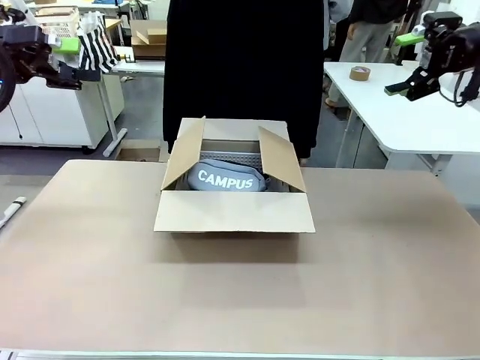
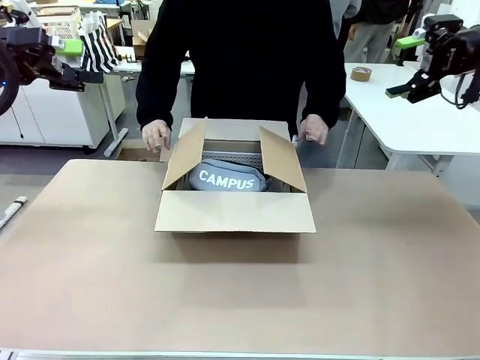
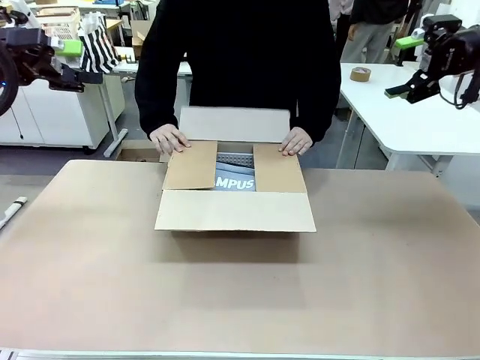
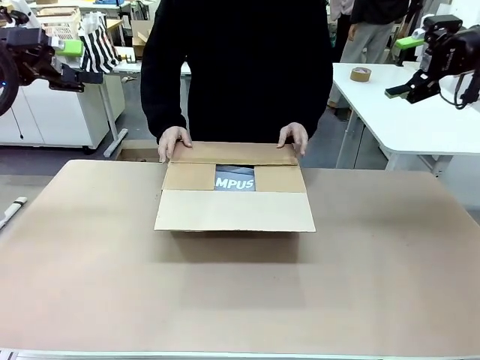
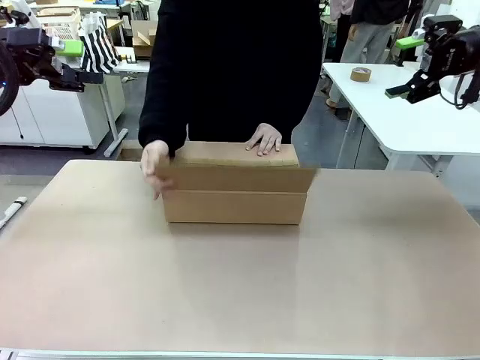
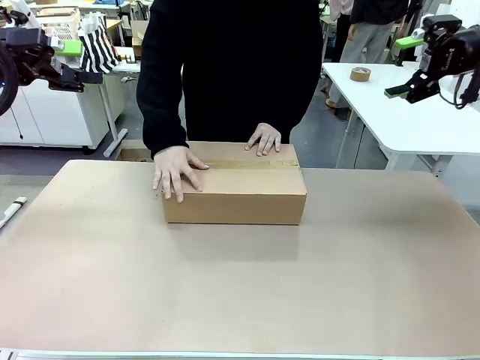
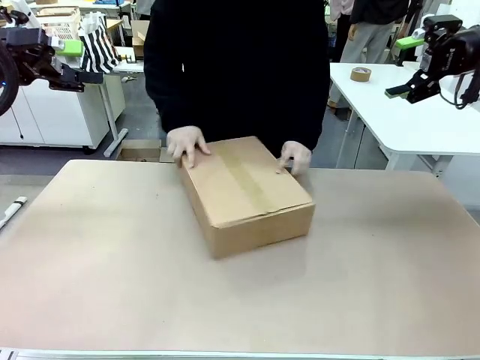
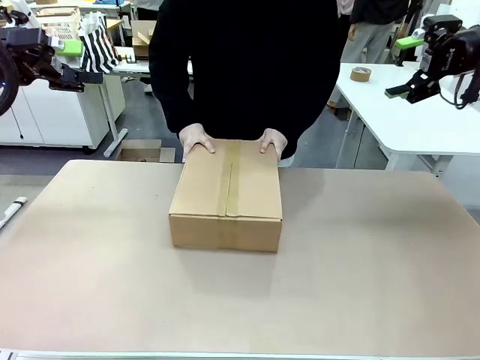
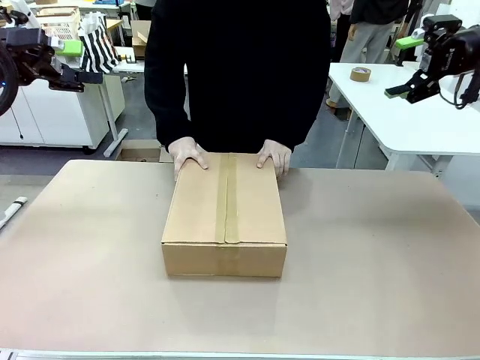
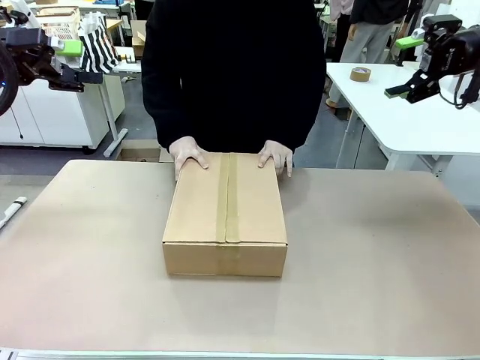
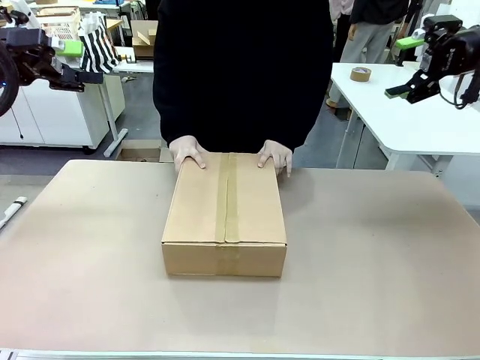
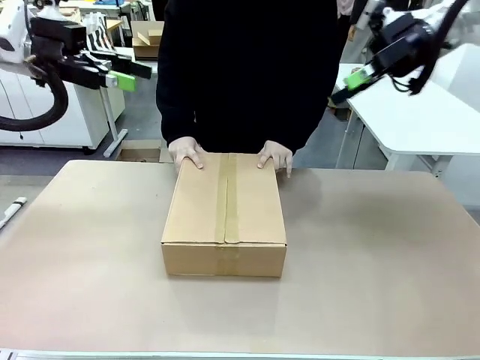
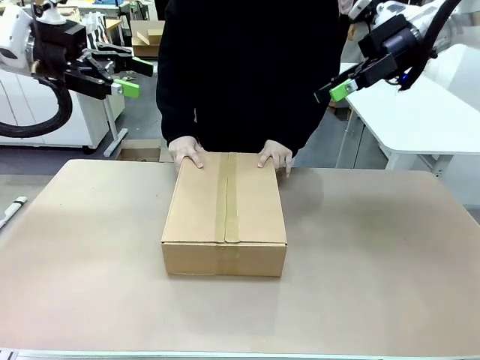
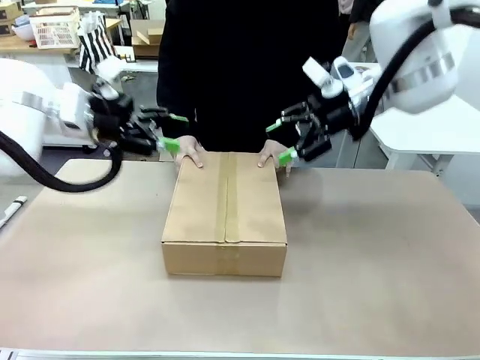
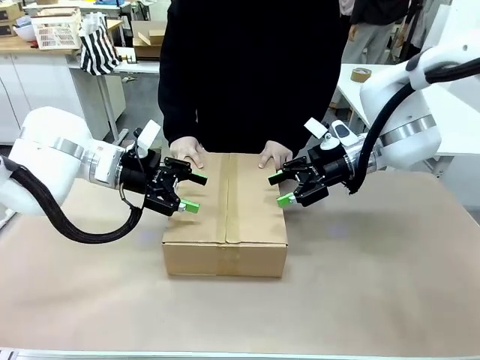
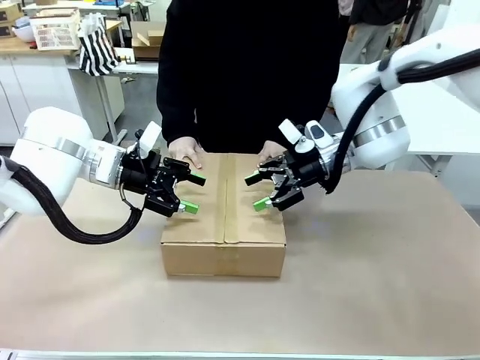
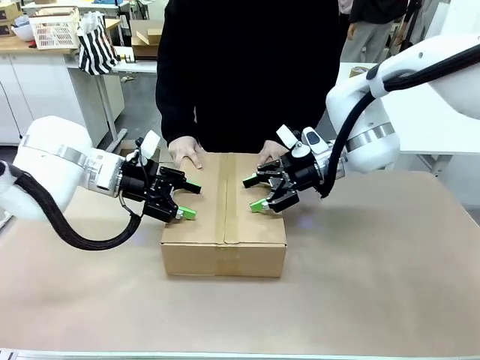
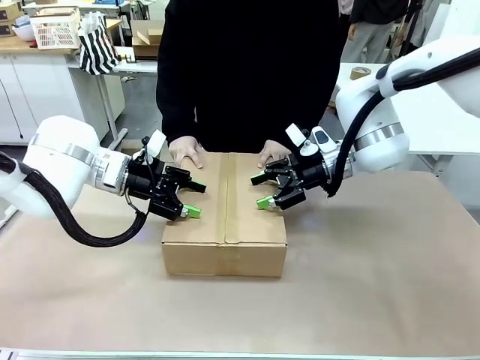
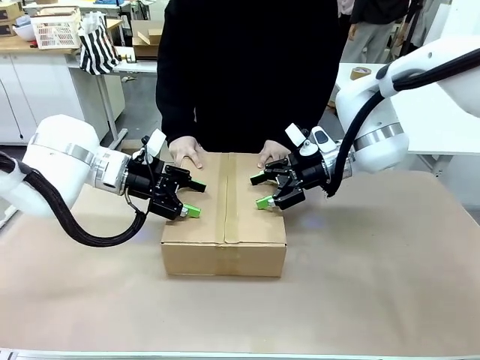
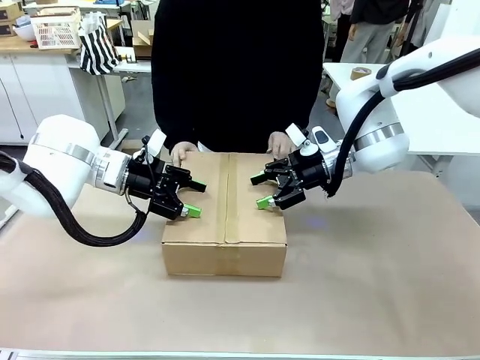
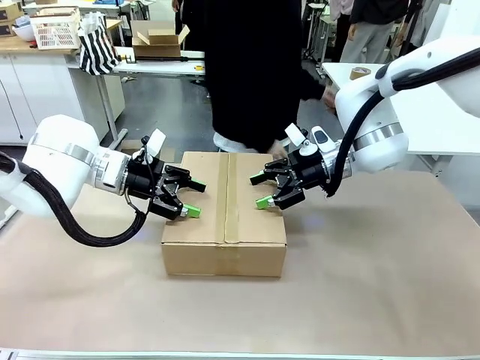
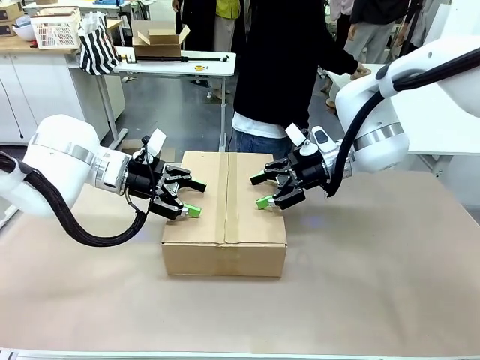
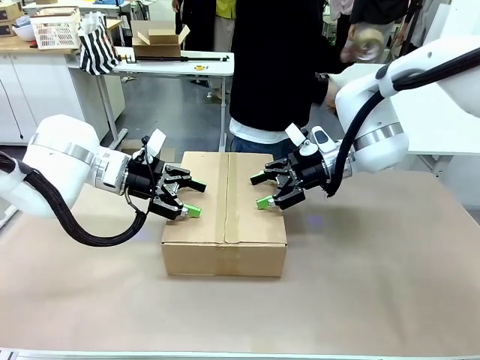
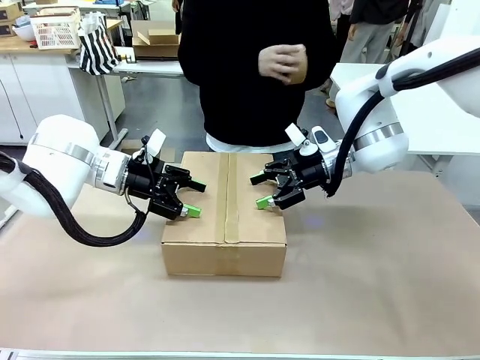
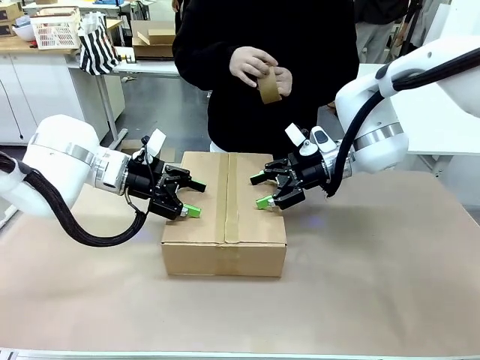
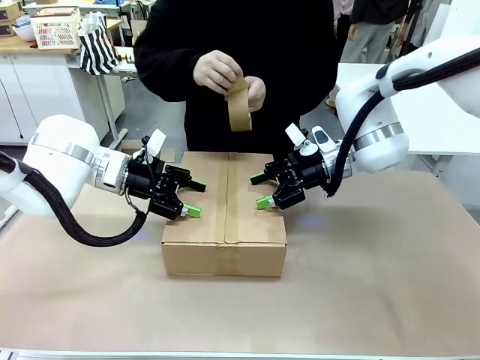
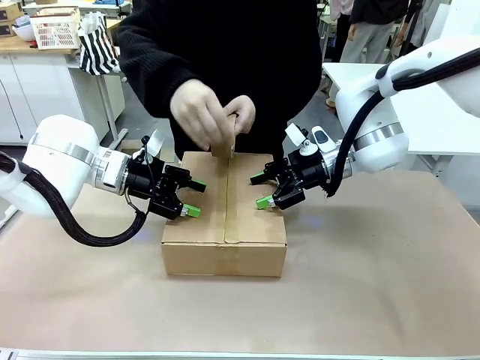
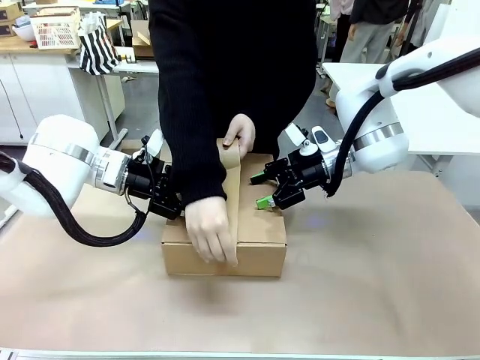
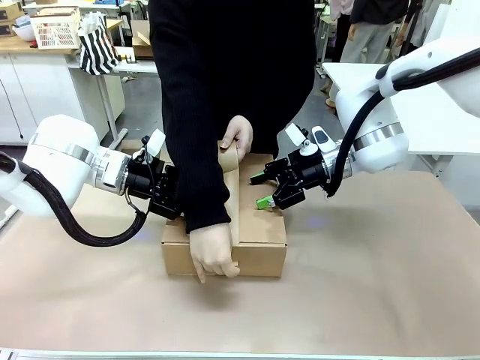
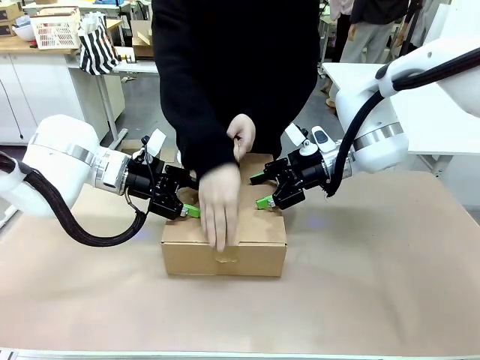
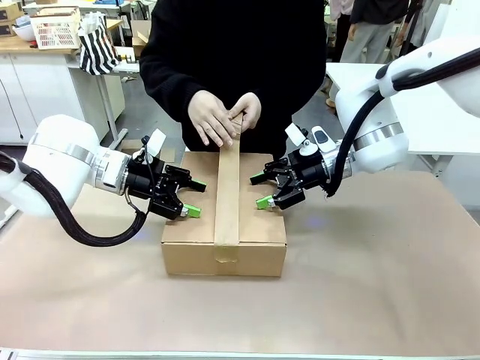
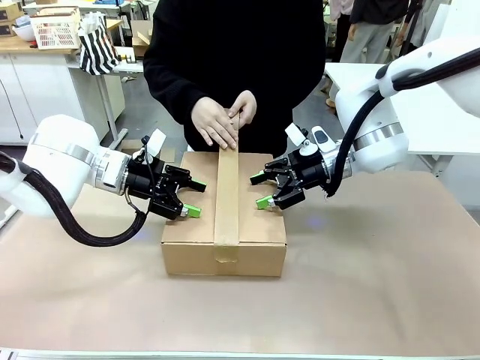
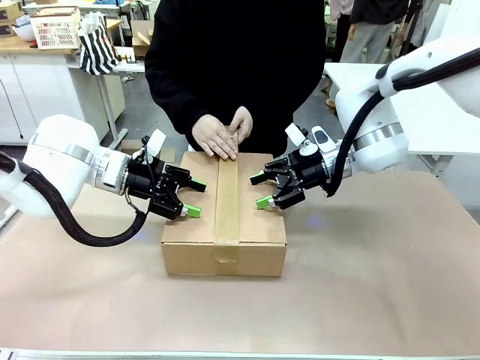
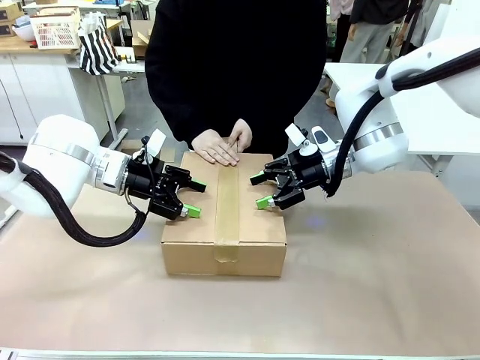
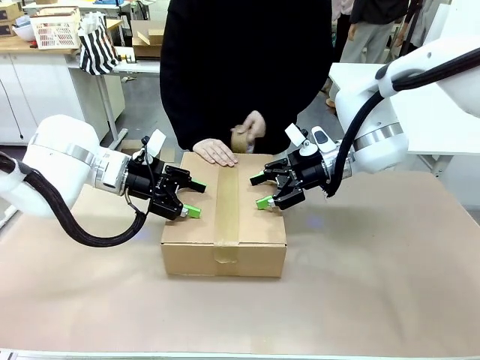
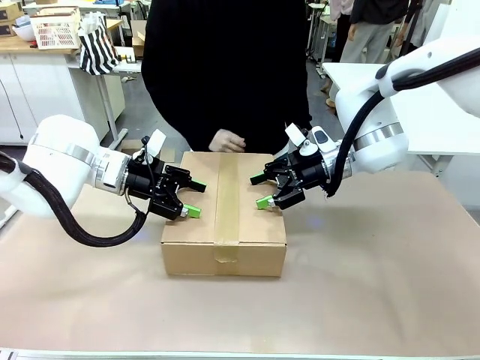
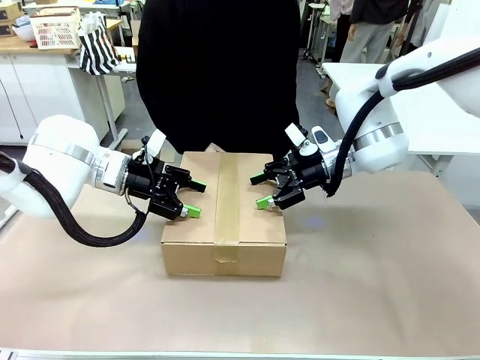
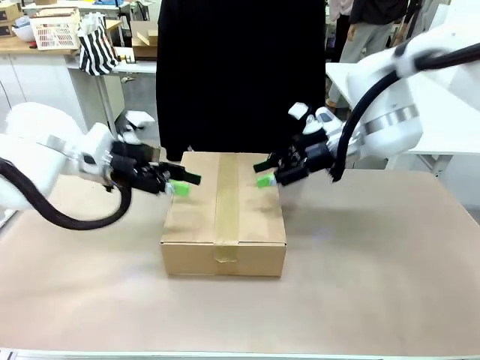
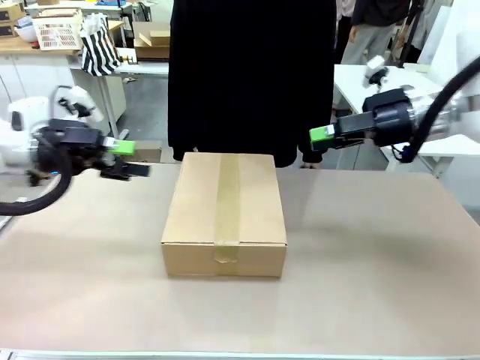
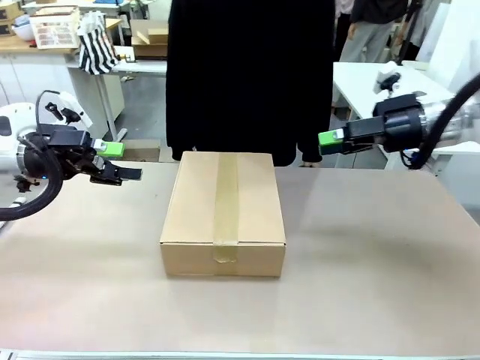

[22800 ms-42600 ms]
Task: Pack the gift set into the box.
Robot: Press and hold the closed box until the human finishes sealing it.
Person: The human closes the box and rotates the box by 90 degrees. The human picks up the paper tape from the human table and packs the box.
